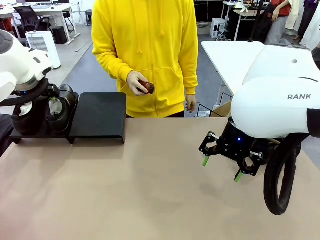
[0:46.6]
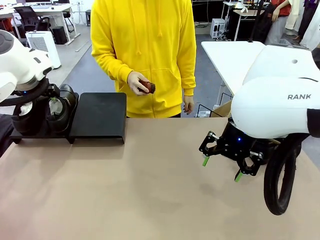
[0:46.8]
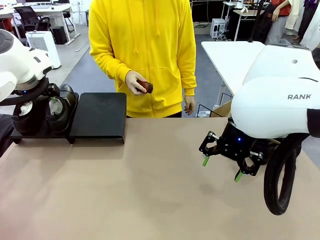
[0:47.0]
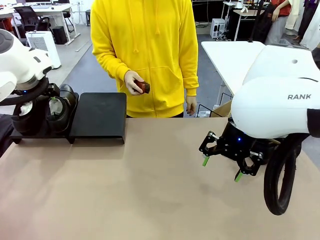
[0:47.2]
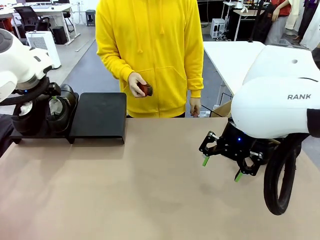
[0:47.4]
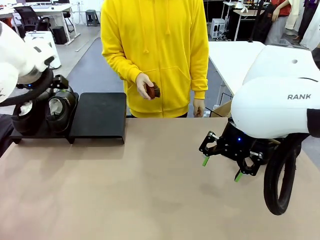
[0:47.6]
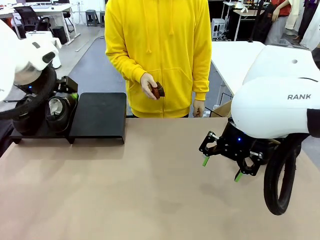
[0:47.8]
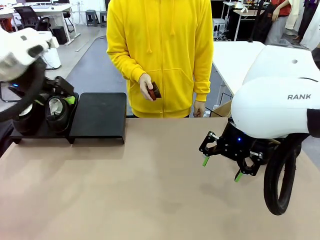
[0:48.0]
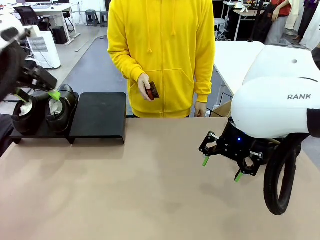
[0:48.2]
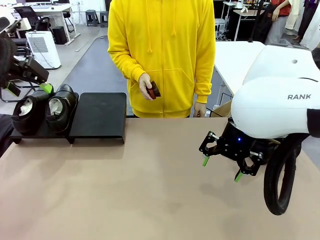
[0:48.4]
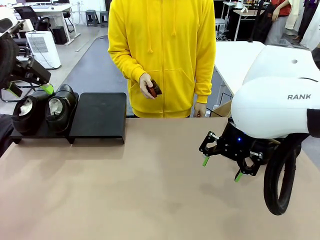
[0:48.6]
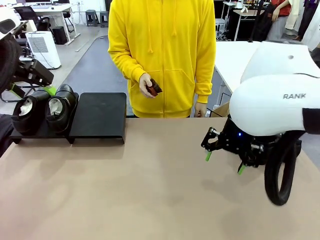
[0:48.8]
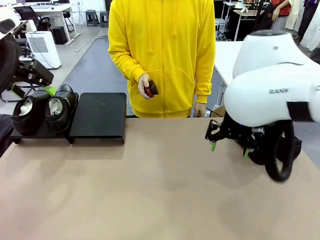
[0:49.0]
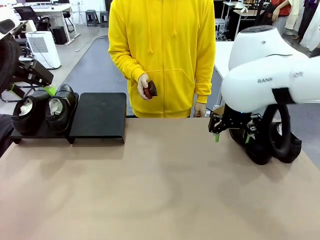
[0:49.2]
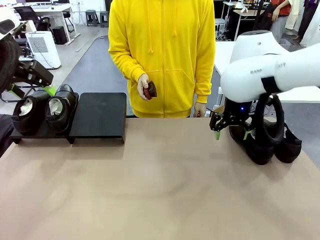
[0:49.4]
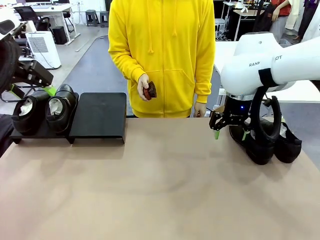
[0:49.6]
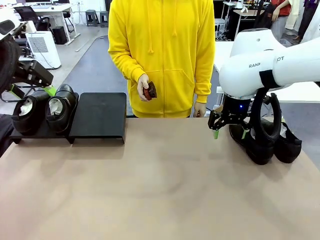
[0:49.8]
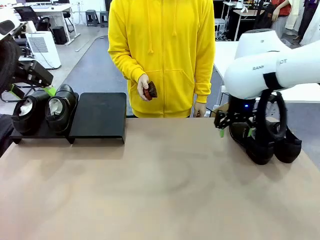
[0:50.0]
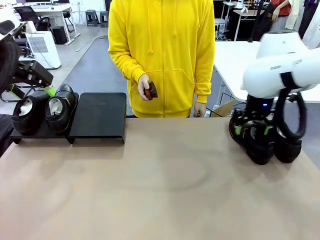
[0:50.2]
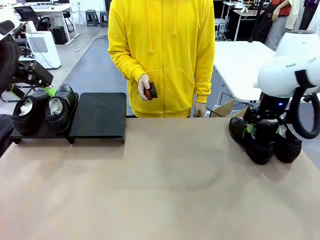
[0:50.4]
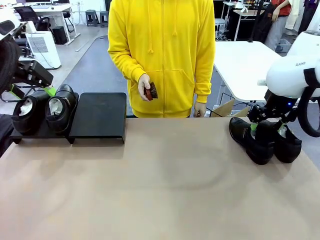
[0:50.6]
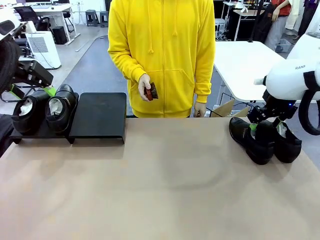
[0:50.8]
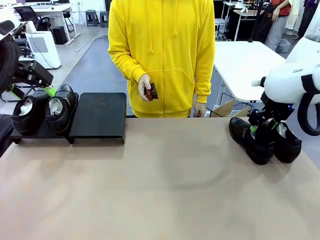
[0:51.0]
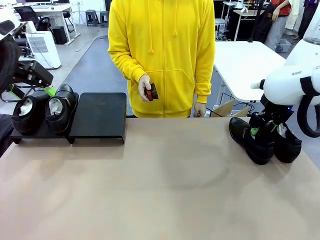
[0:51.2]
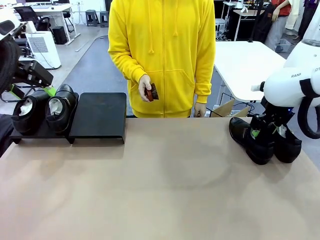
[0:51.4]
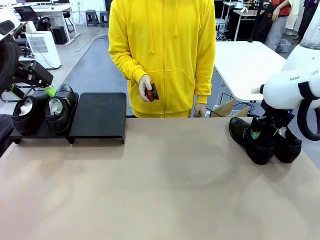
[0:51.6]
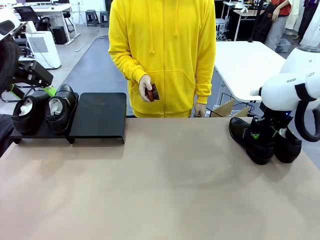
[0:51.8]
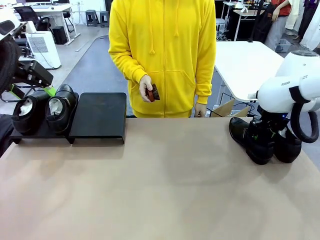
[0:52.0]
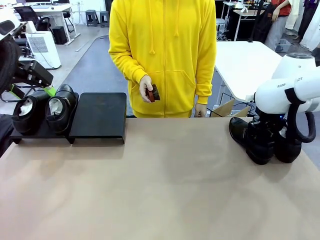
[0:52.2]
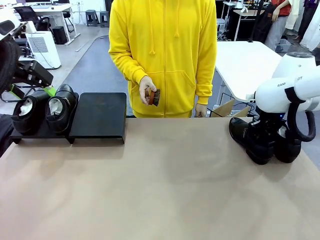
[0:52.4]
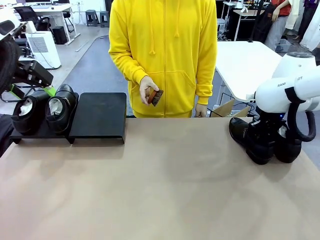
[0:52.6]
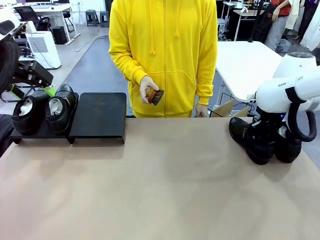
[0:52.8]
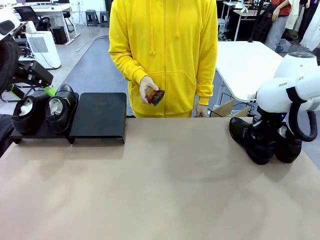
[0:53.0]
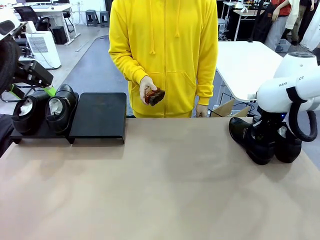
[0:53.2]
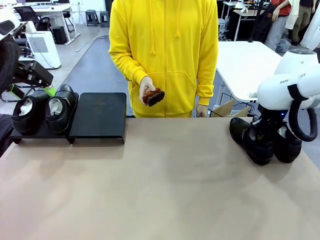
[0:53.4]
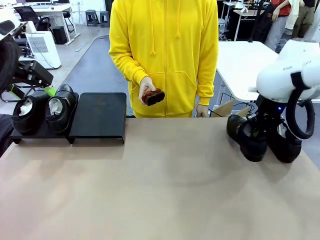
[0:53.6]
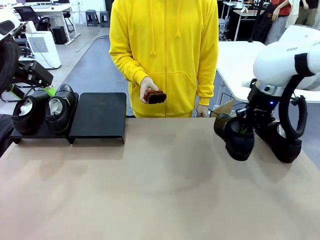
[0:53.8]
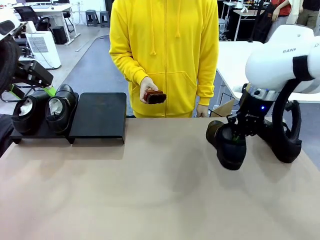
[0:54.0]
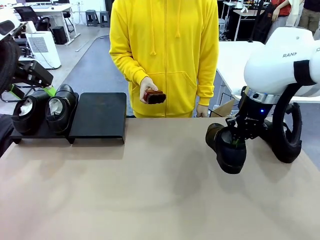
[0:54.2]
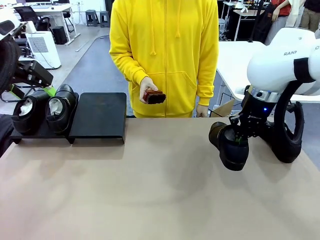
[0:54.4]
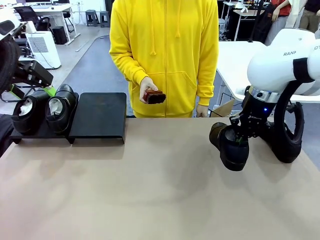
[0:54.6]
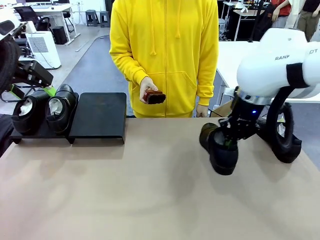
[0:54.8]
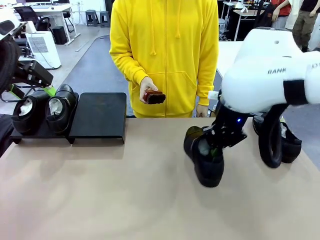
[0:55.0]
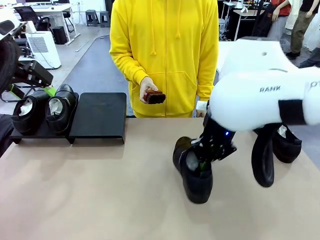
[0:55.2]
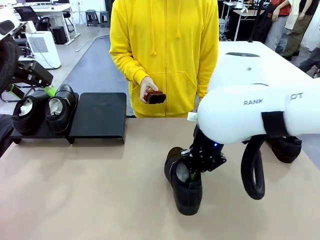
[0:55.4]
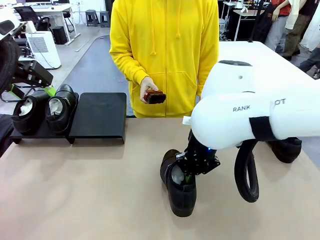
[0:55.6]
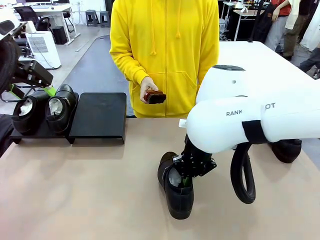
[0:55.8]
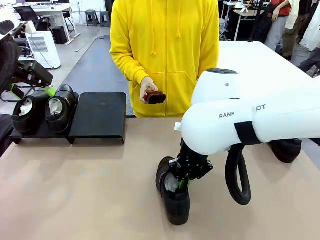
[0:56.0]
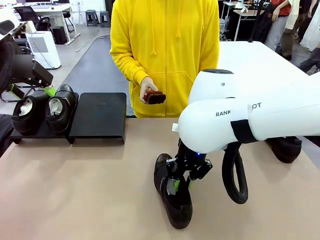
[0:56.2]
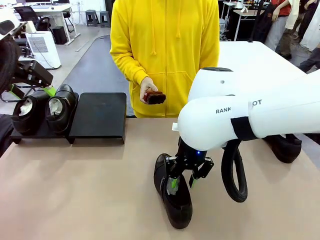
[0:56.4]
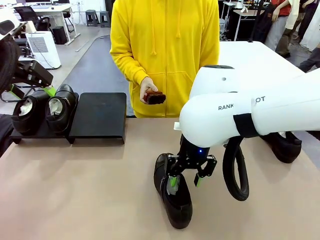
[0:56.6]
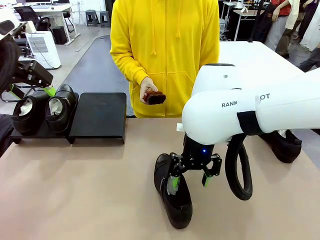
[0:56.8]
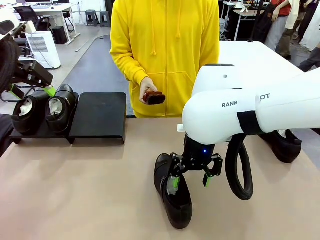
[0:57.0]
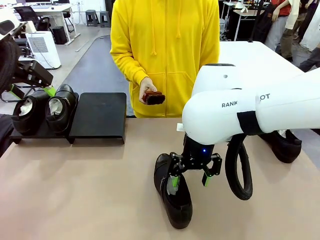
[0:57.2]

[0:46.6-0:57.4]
Task: Organize the shoes by placing them on the stand.
Robot: Pick up one Shoe and place it in the middle of the table.

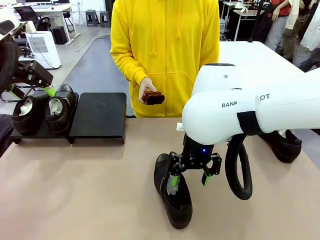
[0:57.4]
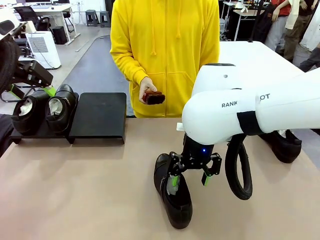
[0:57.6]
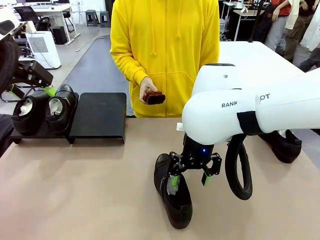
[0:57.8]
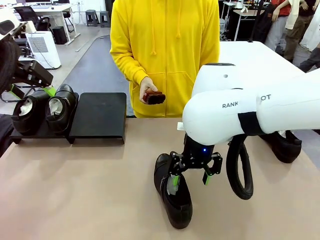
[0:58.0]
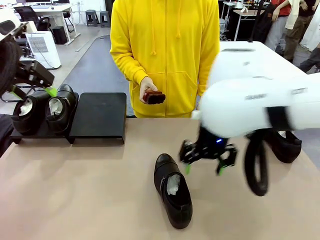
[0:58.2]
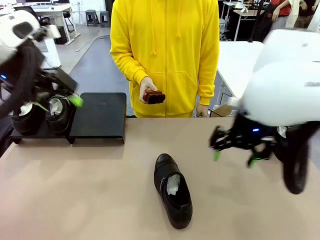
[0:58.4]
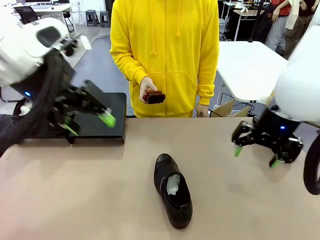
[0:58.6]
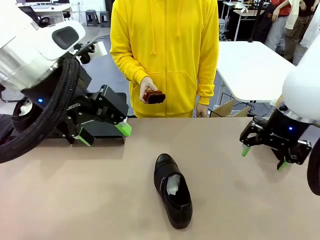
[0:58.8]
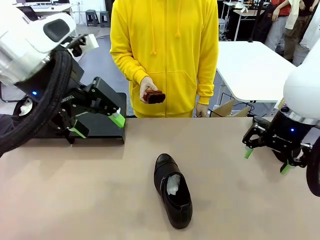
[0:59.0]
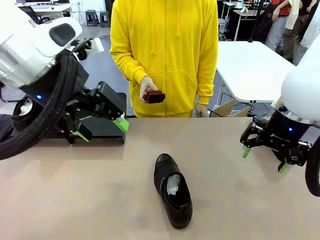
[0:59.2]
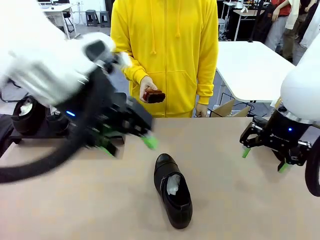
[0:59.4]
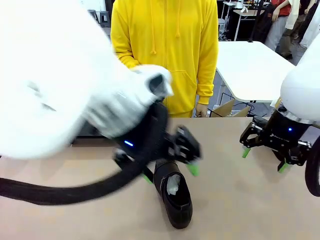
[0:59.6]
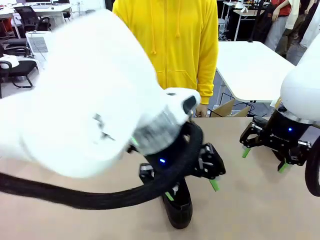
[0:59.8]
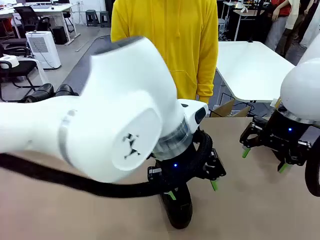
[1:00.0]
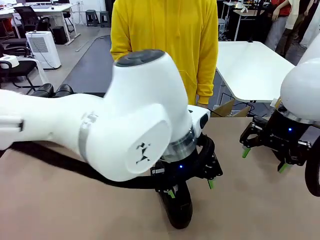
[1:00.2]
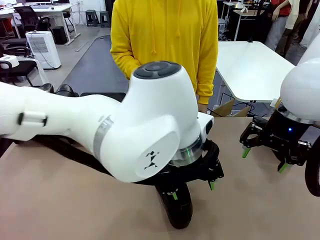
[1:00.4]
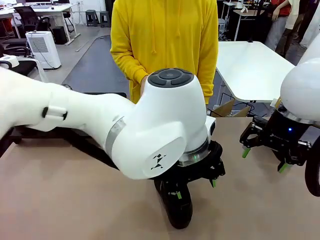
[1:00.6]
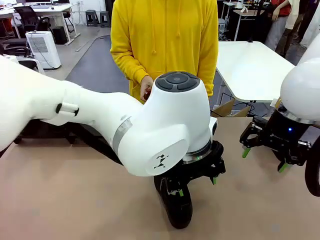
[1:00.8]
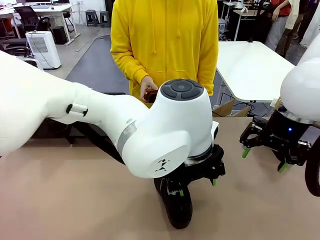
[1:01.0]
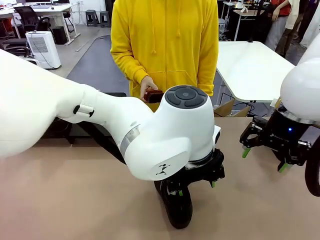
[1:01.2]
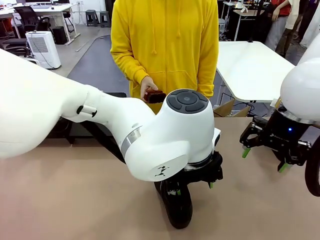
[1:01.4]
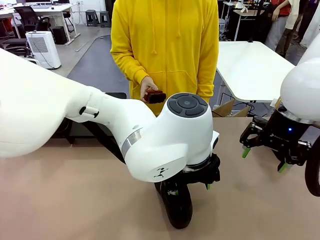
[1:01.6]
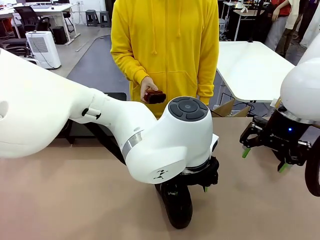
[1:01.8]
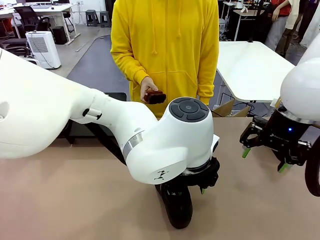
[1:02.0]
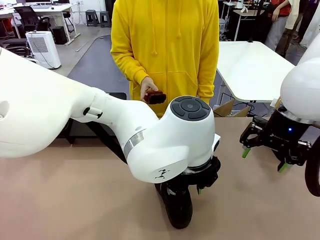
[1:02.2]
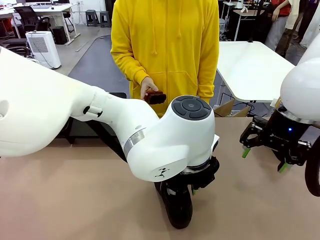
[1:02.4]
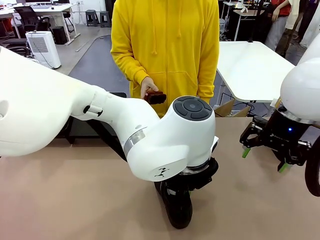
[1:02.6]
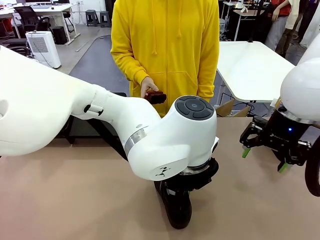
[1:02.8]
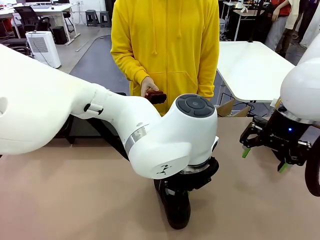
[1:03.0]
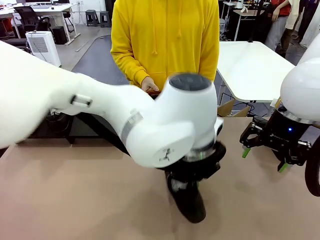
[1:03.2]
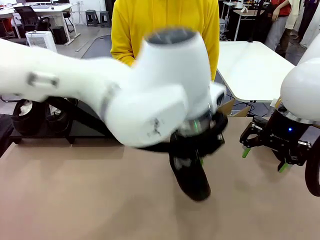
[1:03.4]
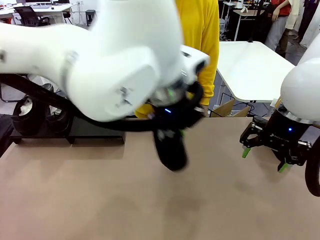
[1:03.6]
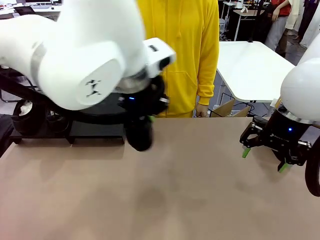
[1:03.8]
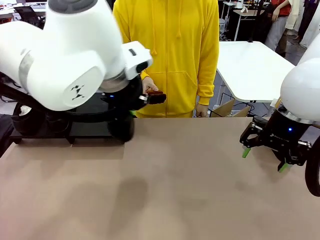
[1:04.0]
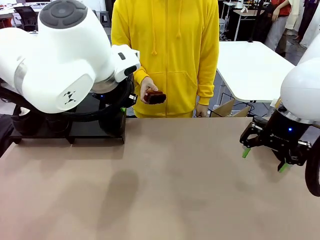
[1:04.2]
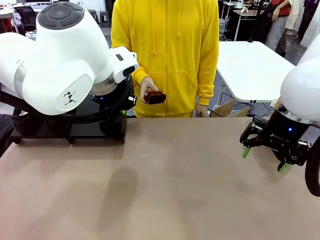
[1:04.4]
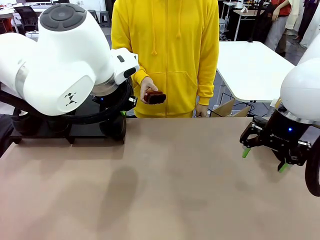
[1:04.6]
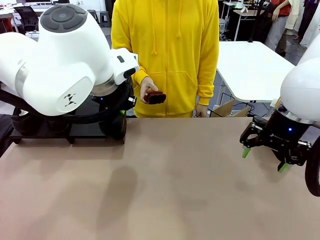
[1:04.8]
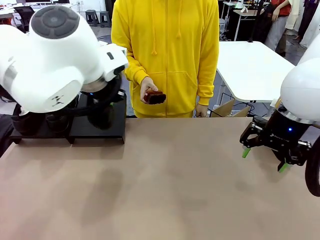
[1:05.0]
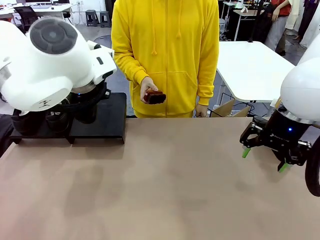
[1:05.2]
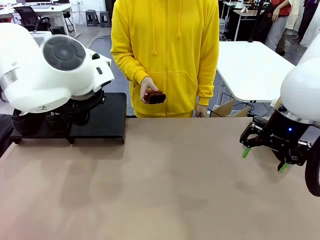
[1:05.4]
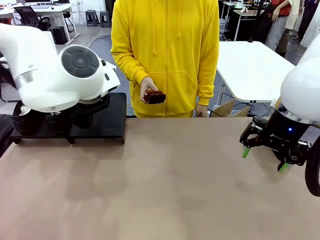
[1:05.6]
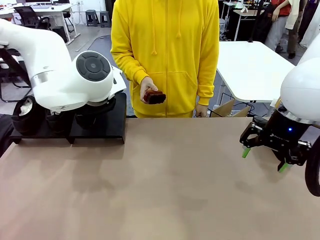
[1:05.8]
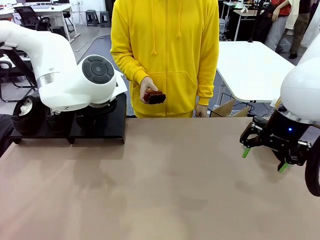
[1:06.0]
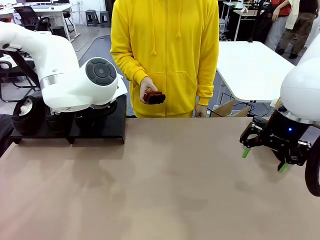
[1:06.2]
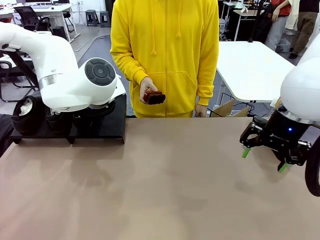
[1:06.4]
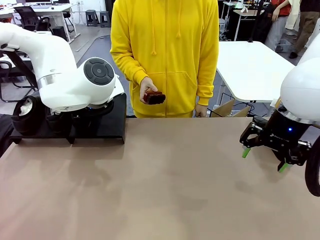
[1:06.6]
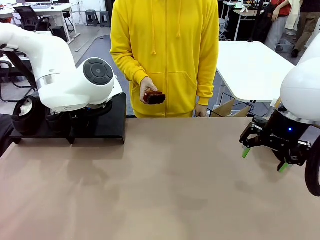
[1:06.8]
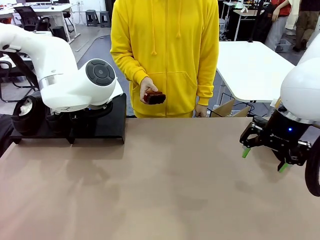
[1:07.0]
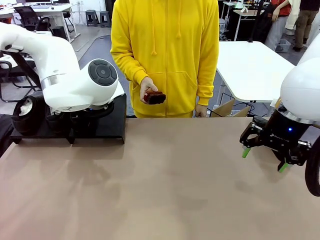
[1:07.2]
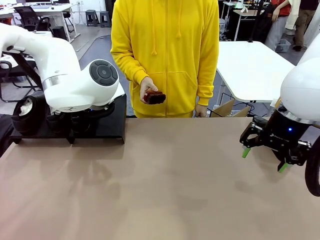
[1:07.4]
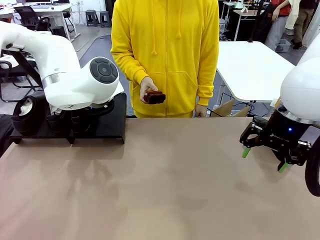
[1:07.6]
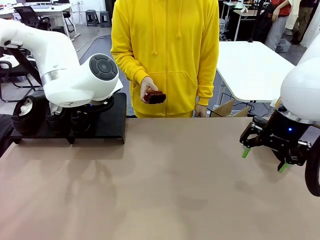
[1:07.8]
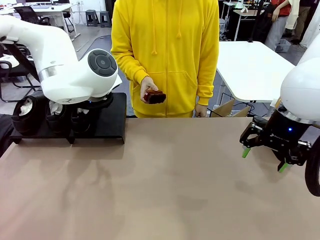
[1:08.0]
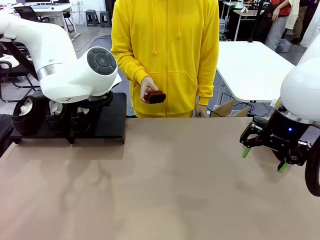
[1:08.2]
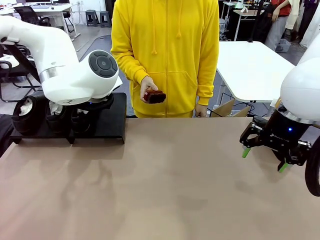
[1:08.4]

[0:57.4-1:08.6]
Robot: Place the Shoe from the middle of the table onto the Shoes Stand.
